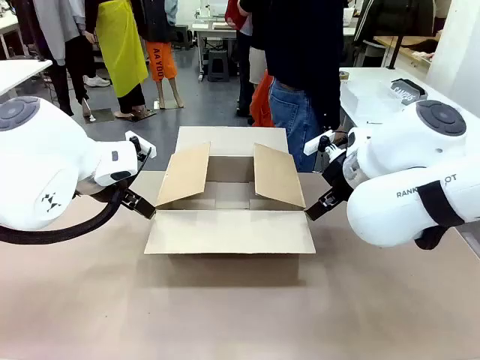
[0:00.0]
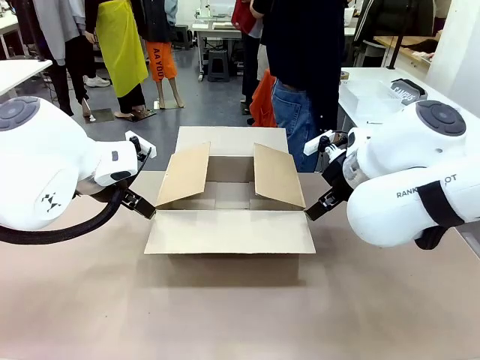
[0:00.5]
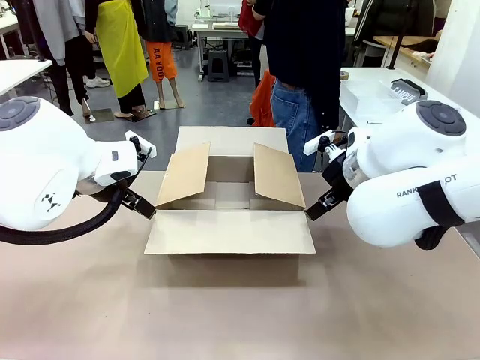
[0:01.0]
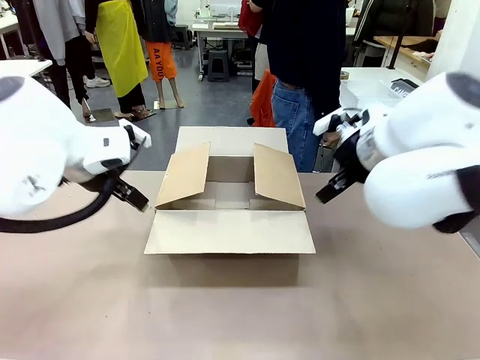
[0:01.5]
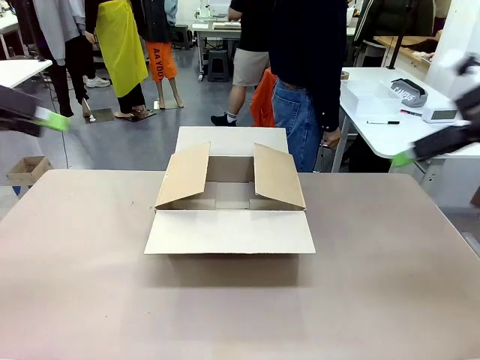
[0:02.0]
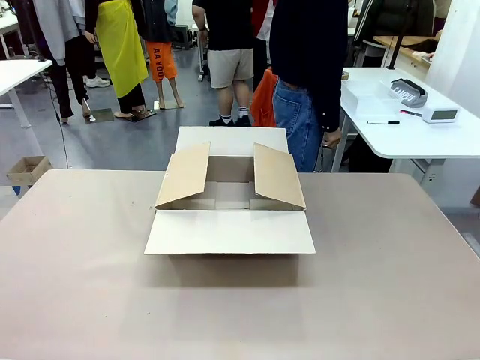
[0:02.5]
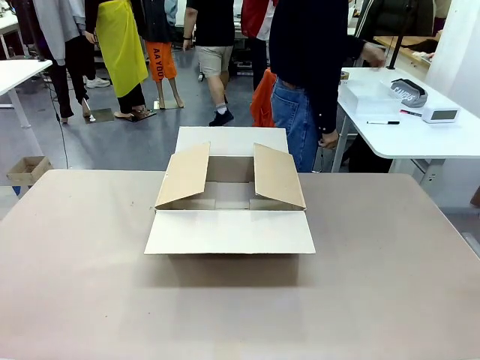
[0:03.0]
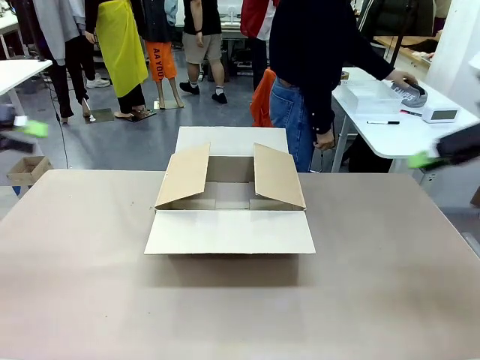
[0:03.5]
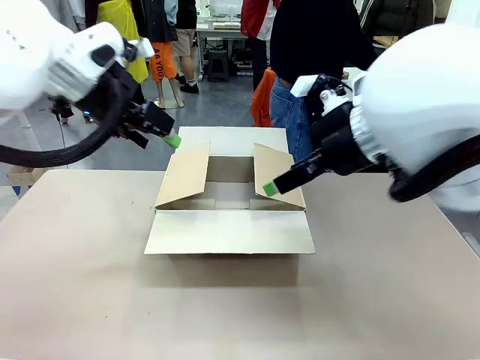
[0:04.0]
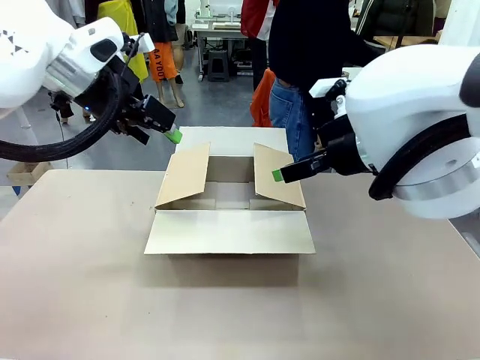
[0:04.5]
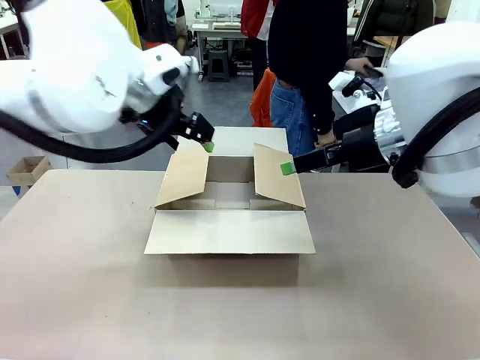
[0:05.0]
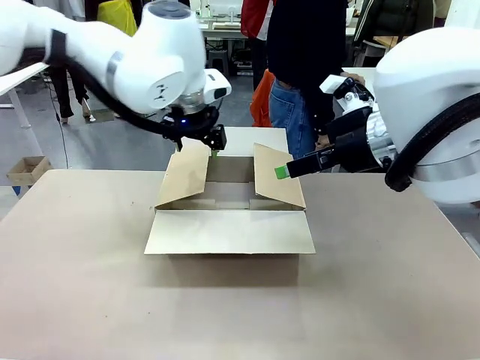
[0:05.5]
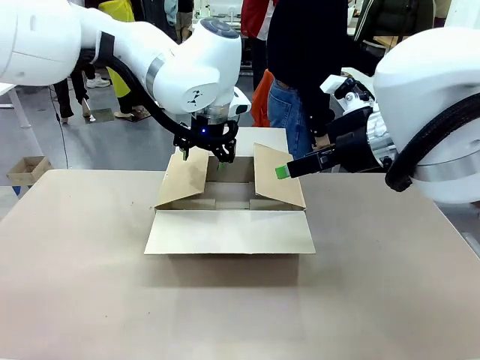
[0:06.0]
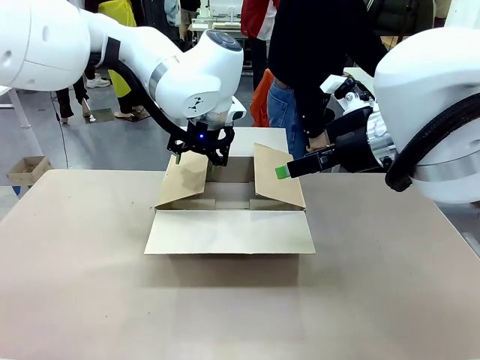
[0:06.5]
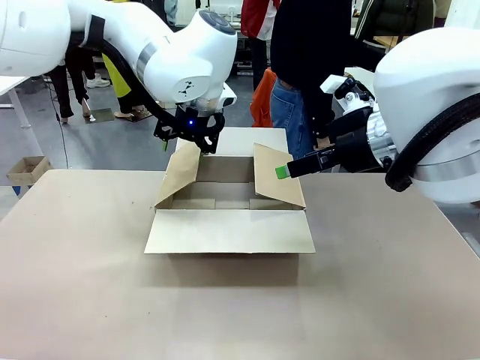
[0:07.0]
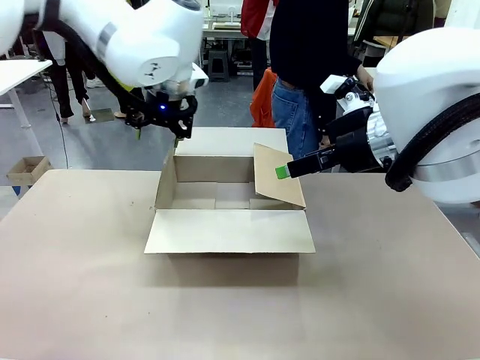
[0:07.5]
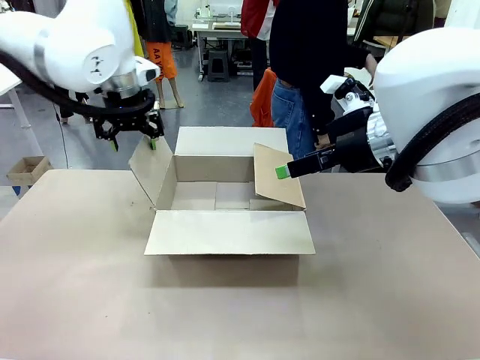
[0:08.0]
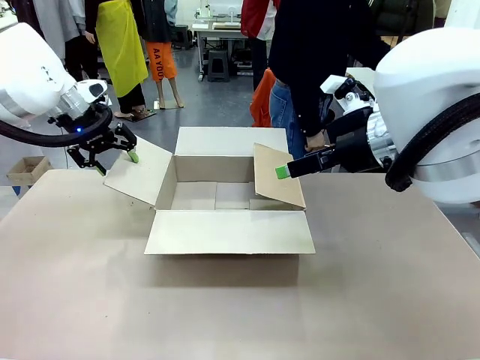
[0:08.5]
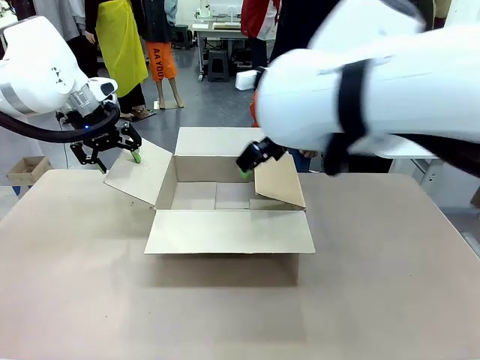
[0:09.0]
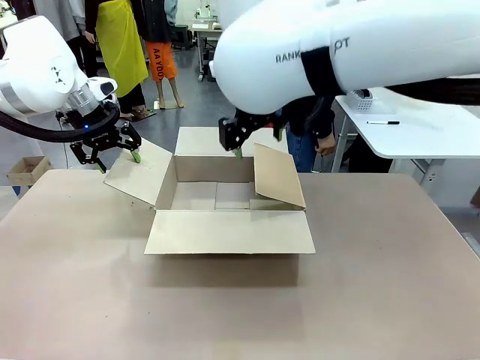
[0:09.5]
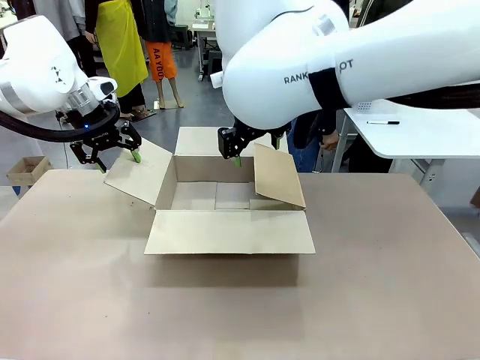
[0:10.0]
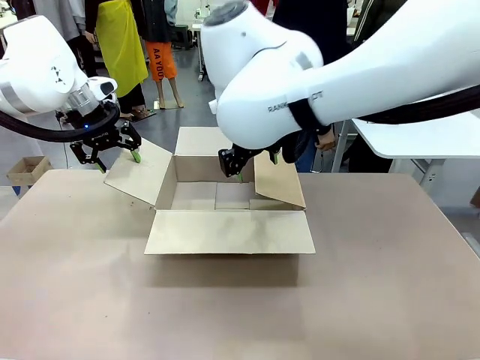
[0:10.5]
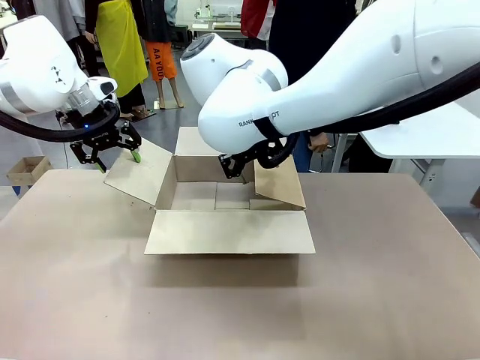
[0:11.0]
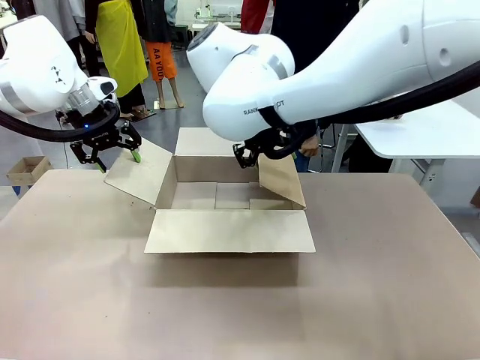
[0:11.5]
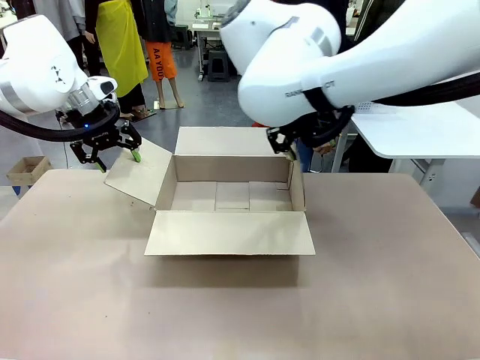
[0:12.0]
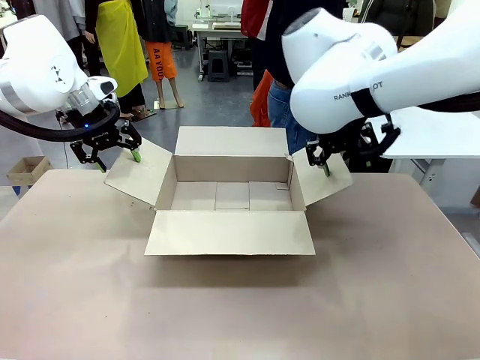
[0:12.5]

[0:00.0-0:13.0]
Task: Pack the gift set into the box.
Robot: Place both hands on the side flaps of the Package Box and spread them outward.
Person: The human places all items except the paper tape into the organizing basket.

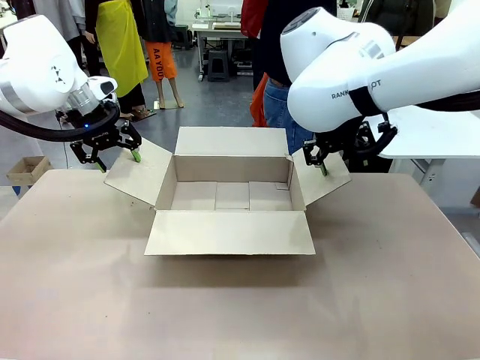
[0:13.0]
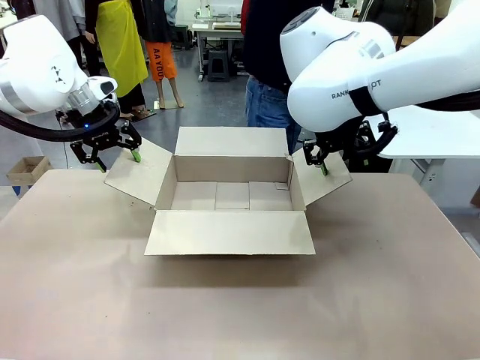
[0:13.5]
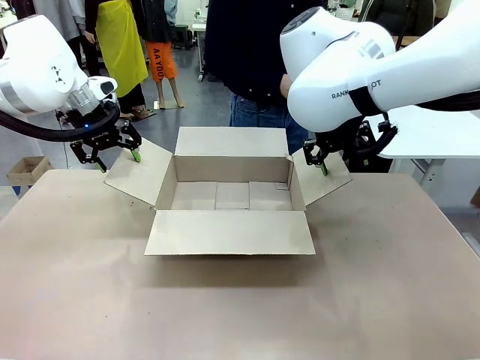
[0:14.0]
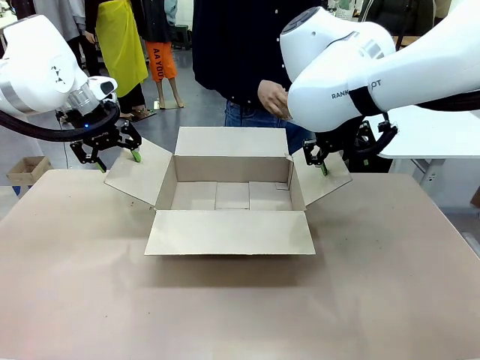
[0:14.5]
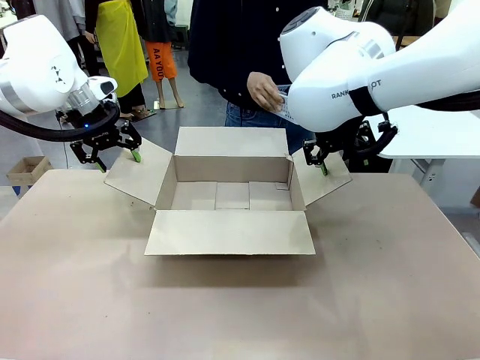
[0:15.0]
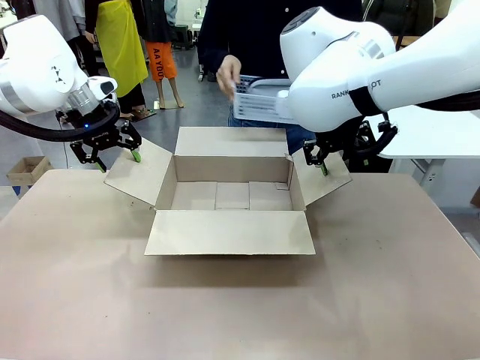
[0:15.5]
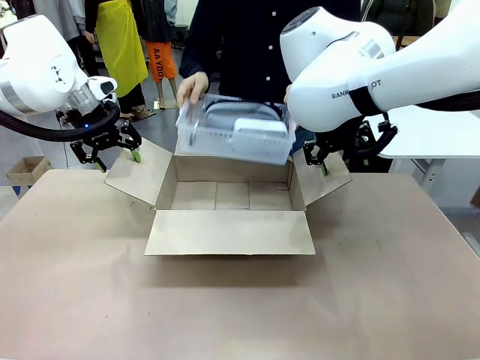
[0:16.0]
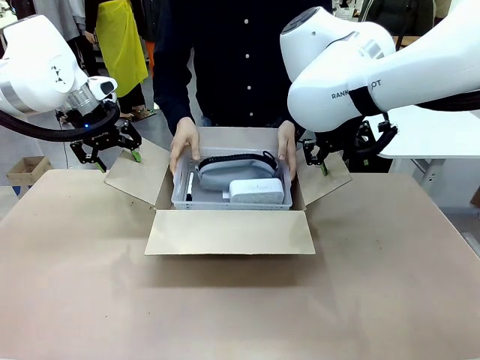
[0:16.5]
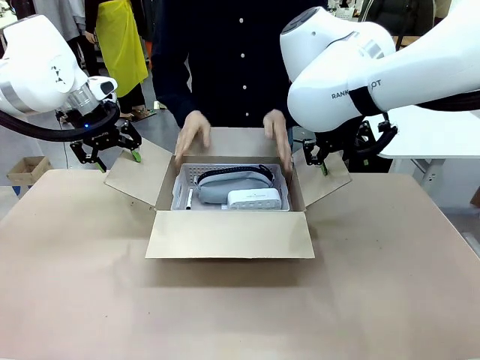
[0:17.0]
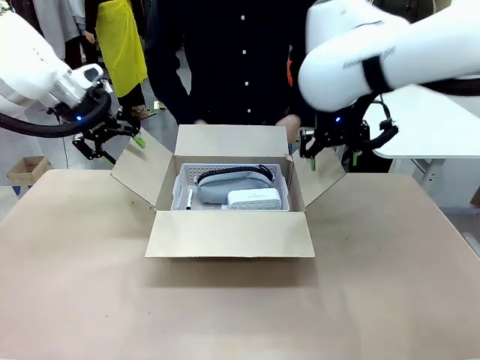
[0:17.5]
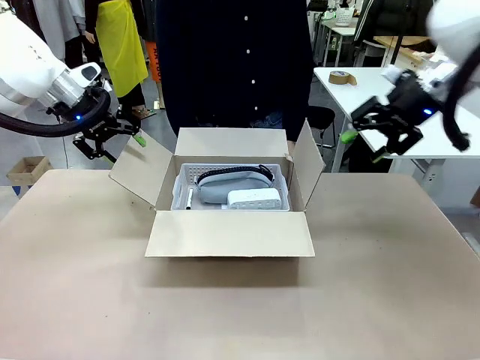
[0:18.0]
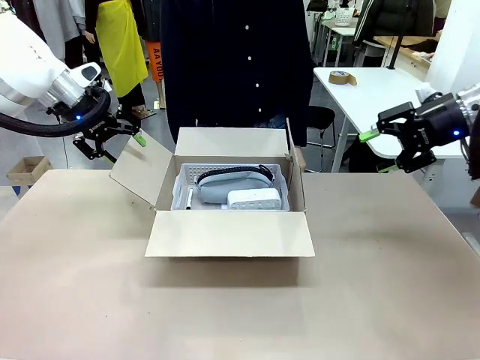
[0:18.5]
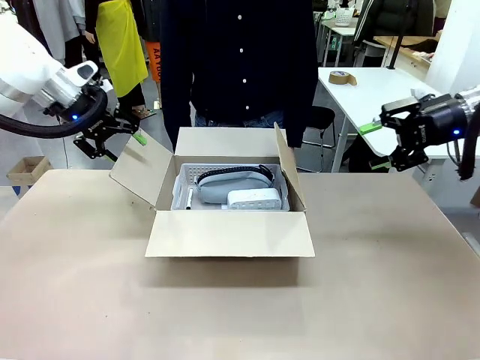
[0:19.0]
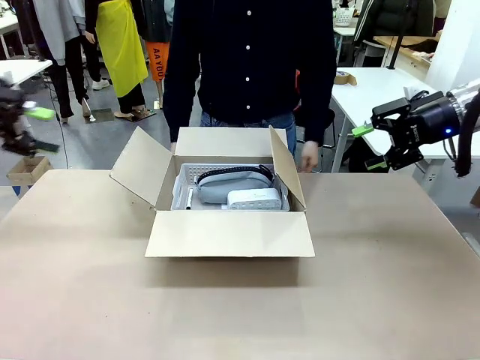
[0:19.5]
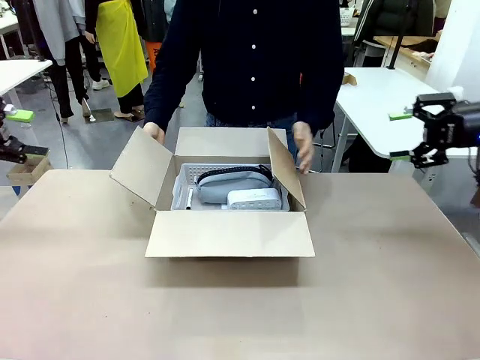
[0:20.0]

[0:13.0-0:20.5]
Robot: Lift both hands away from the flaps of the Package Box.
Person: The human picks up the organizing basket and places the organizing basket into the package box on the robot table.

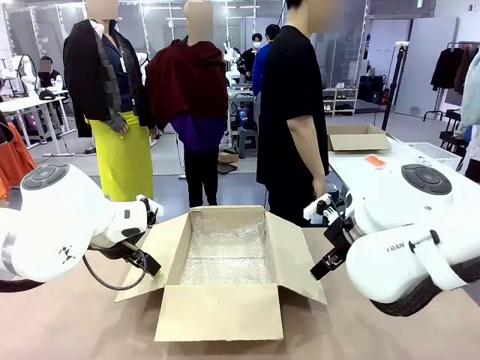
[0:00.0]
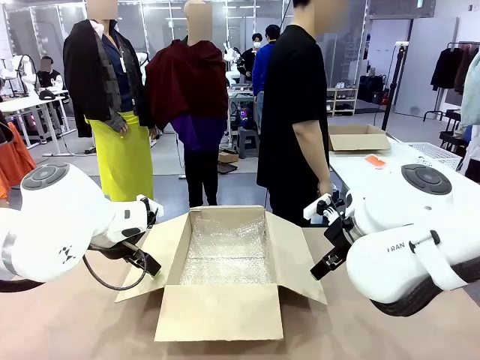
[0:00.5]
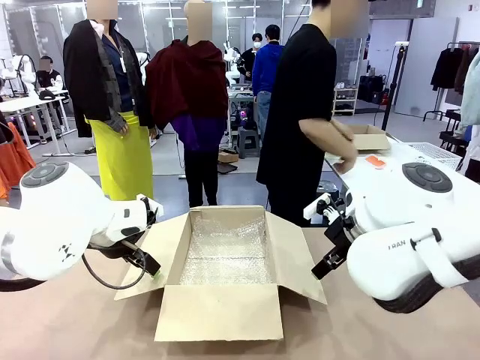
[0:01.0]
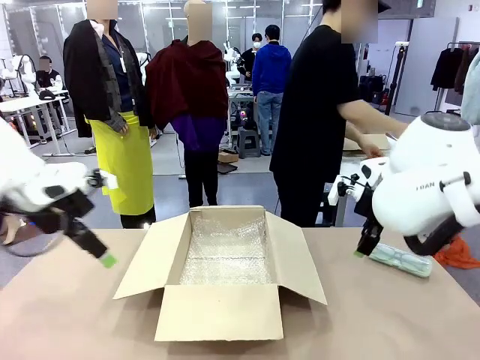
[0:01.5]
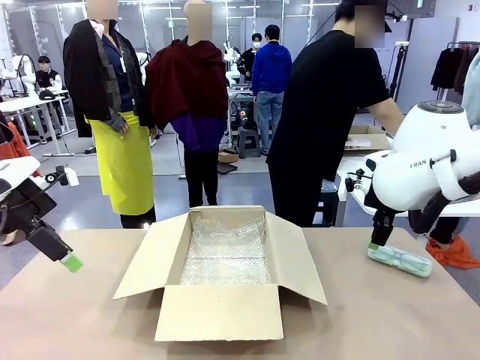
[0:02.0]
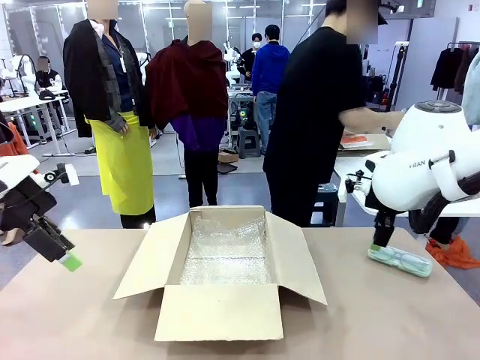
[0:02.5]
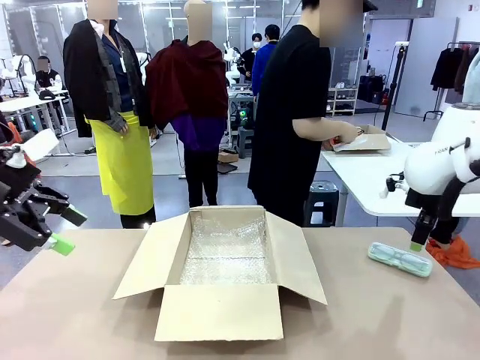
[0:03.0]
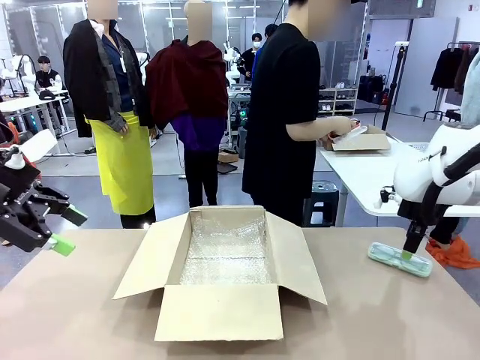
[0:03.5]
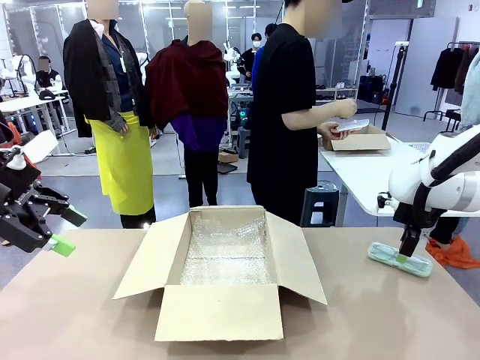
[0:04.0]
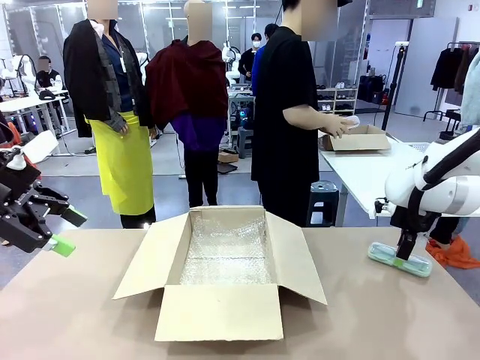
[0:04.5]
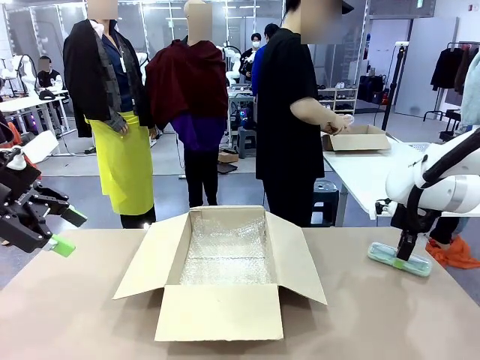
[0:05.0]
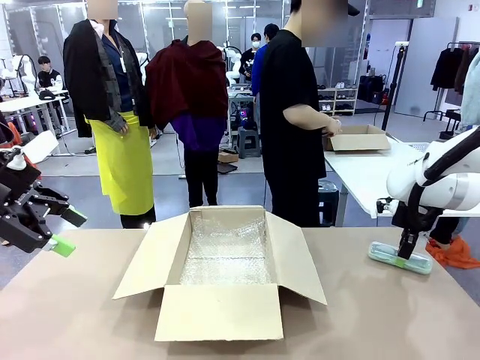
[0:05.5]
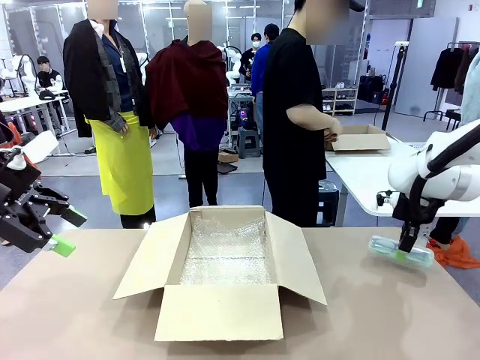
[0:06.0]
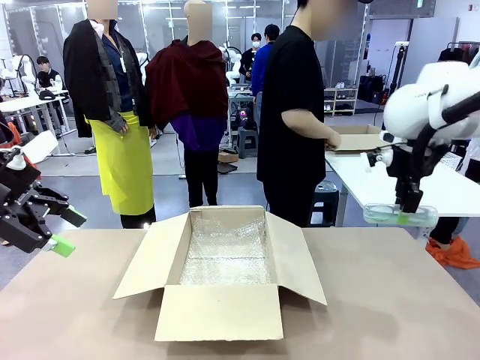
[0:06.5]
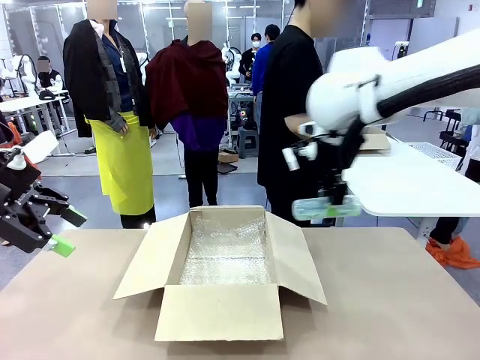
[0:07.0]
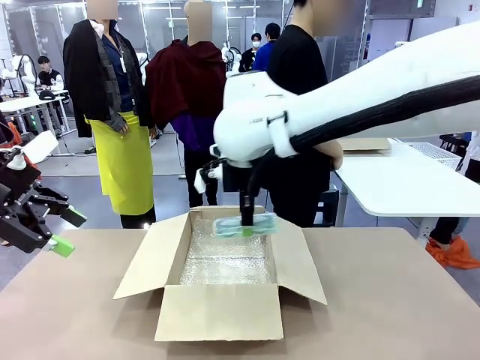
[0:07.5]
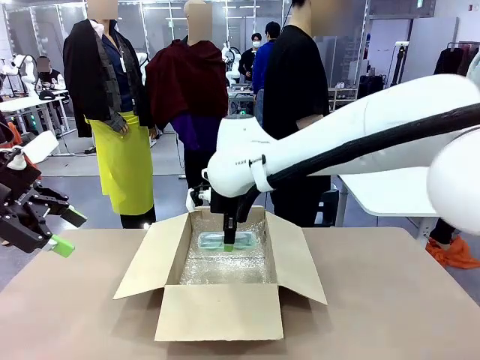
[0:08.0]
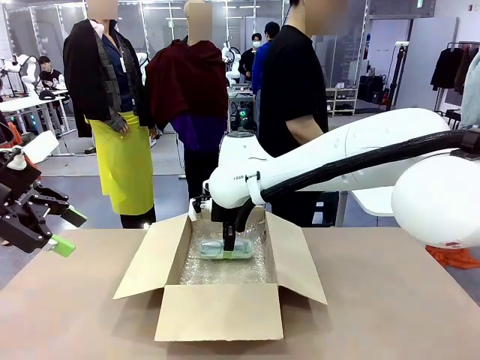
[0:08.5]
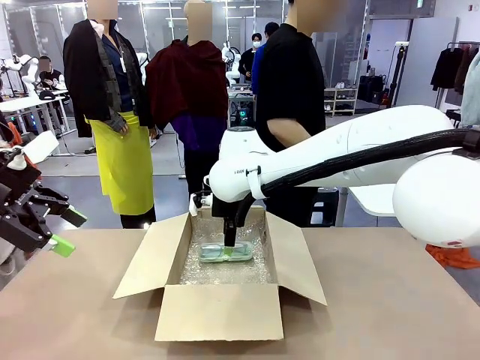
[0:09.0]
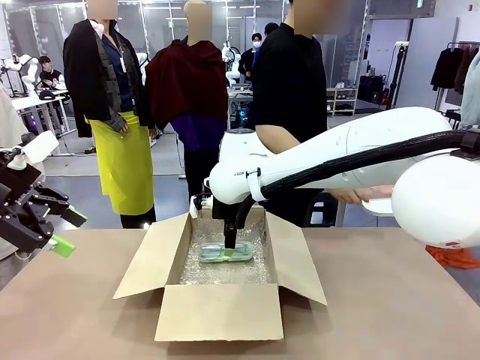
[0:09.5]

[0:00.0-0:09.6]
Task: Pack the glasses set securely to prepare it for shipping.
Robot: Place the Glasses case inside the Package Box.
Person: Place the Glasses inside the Glasses case. Position the Glasses case on the left side of the robot's table.
